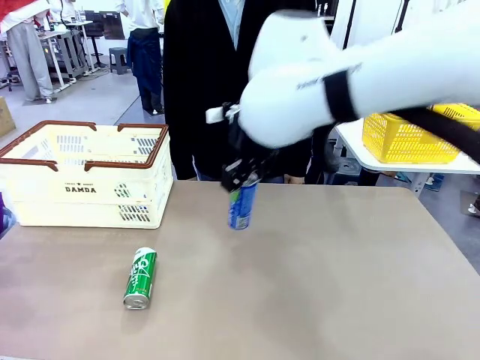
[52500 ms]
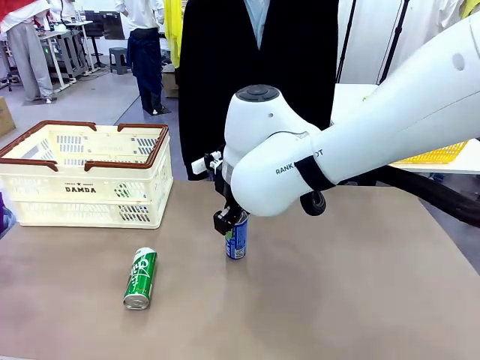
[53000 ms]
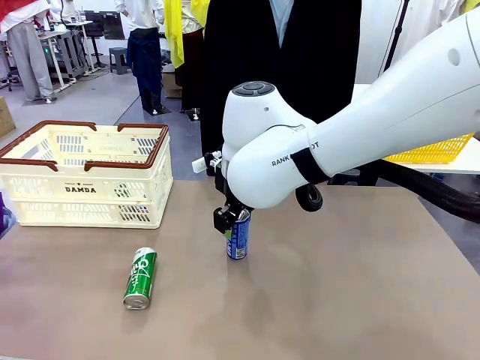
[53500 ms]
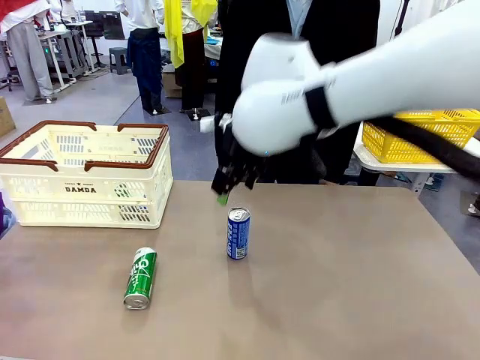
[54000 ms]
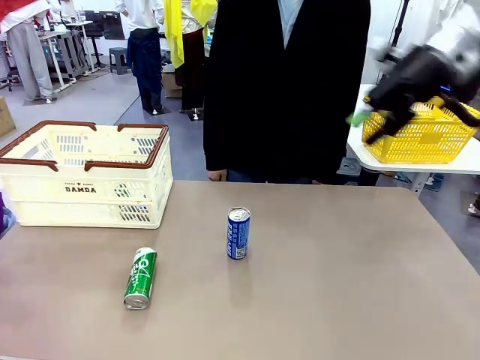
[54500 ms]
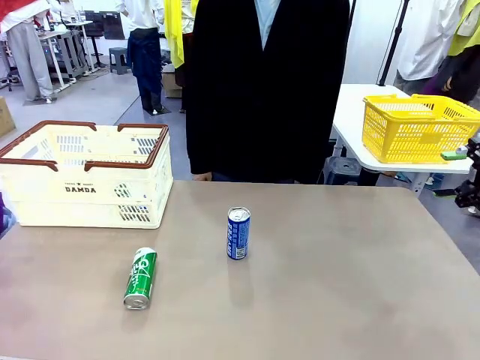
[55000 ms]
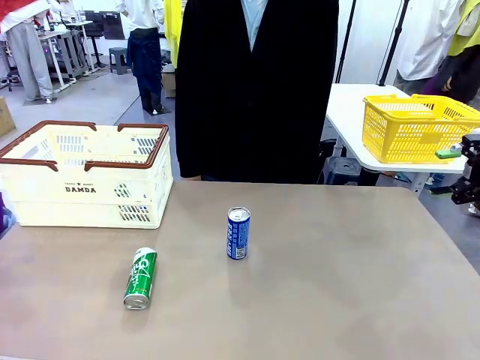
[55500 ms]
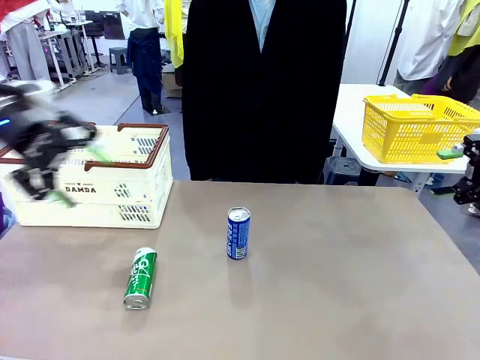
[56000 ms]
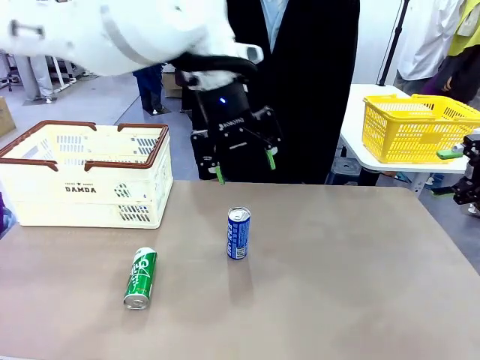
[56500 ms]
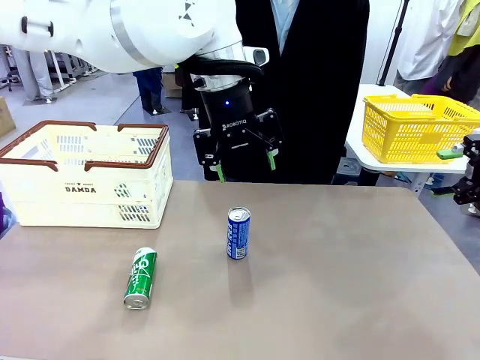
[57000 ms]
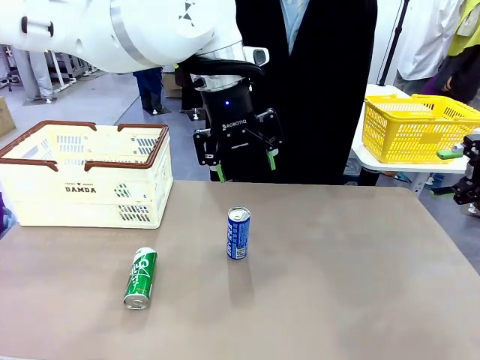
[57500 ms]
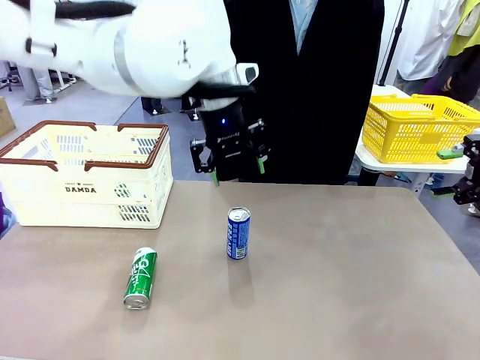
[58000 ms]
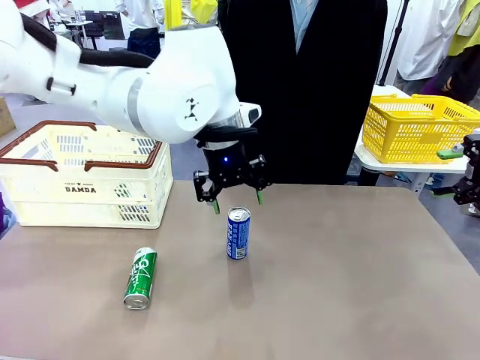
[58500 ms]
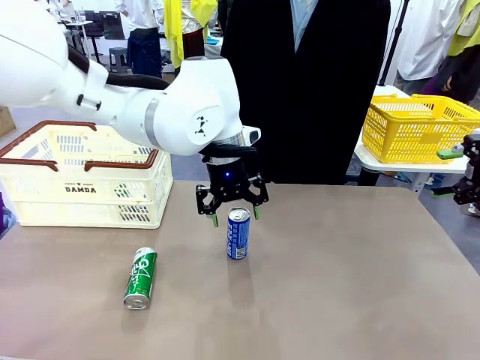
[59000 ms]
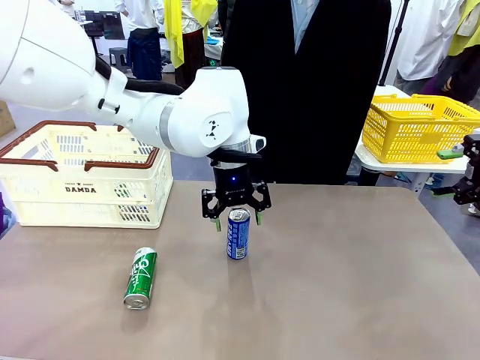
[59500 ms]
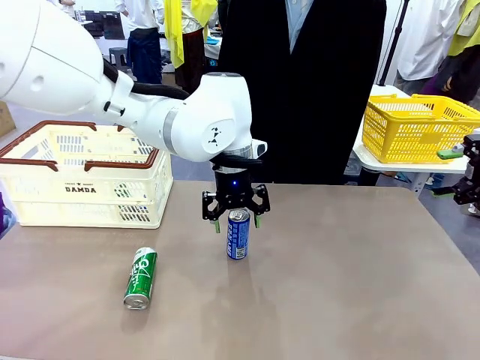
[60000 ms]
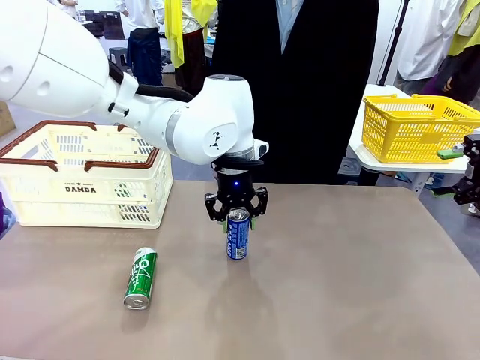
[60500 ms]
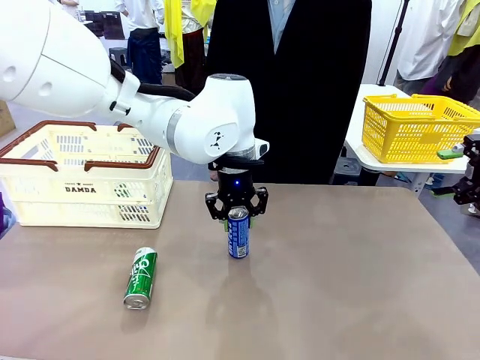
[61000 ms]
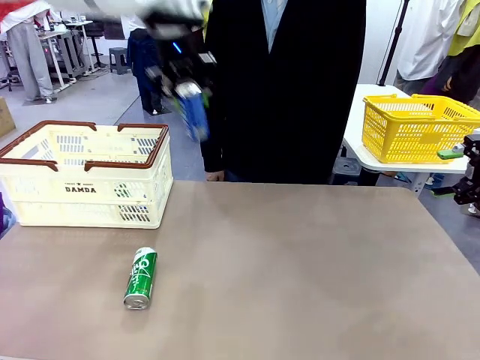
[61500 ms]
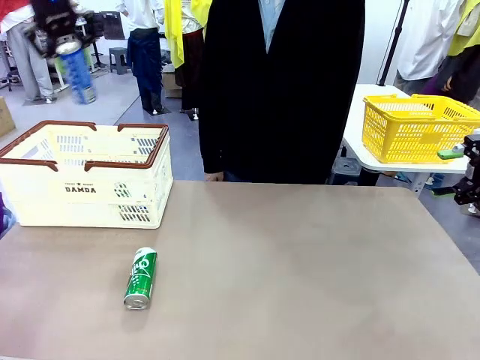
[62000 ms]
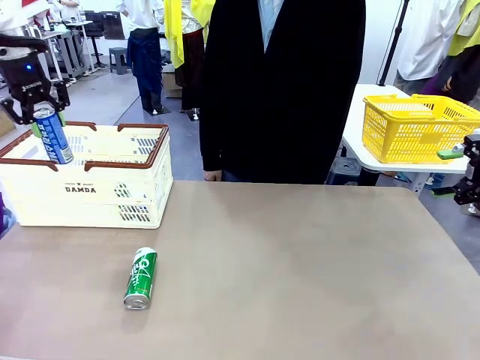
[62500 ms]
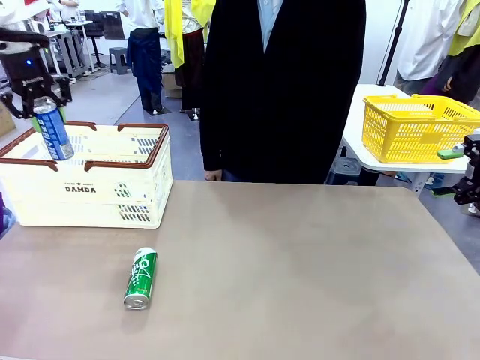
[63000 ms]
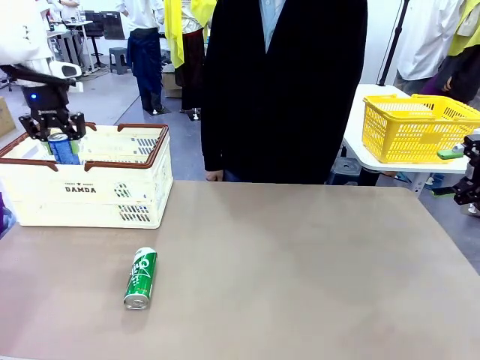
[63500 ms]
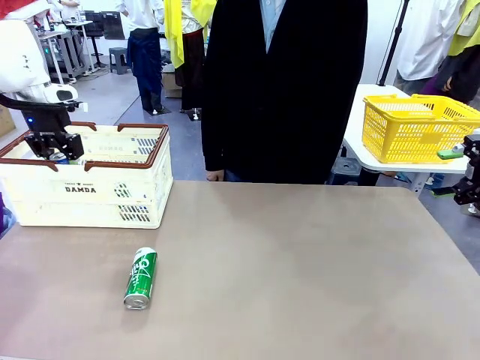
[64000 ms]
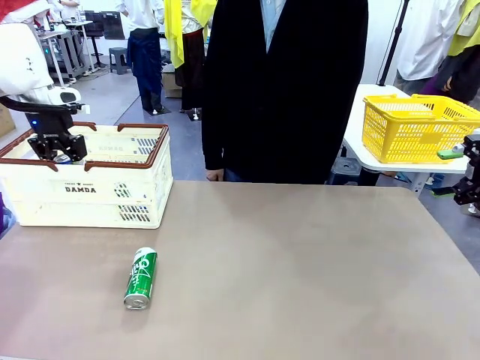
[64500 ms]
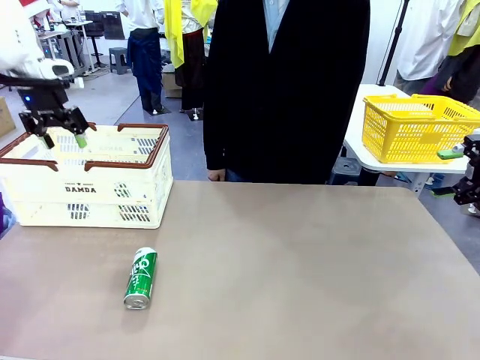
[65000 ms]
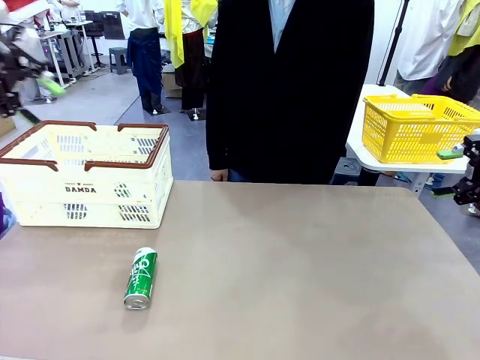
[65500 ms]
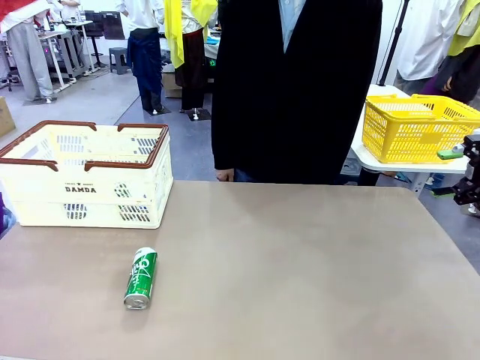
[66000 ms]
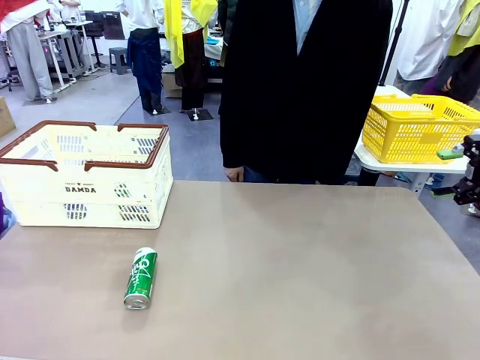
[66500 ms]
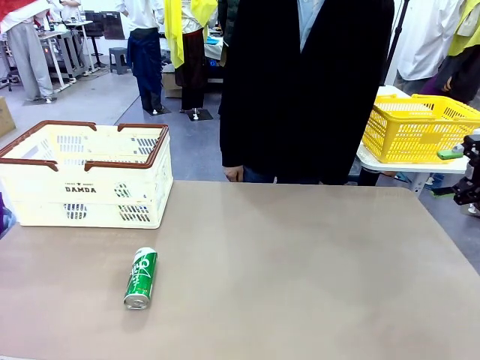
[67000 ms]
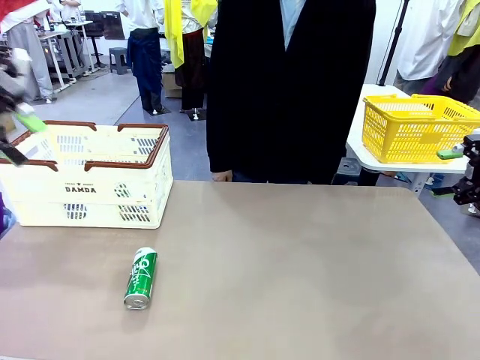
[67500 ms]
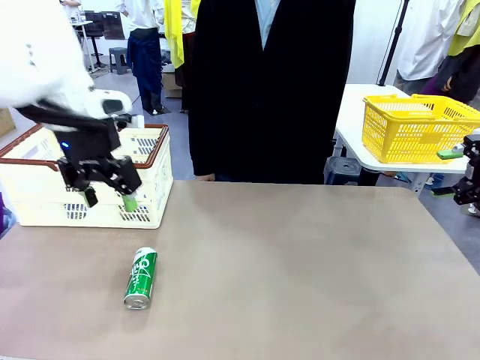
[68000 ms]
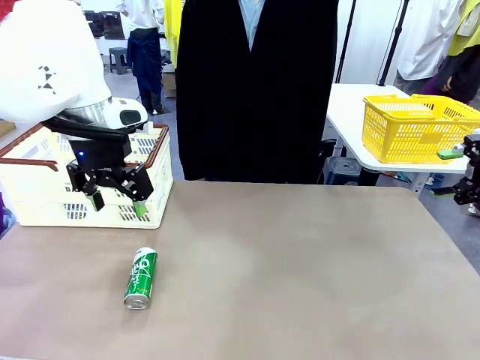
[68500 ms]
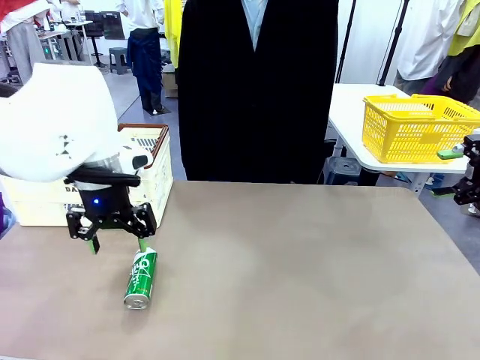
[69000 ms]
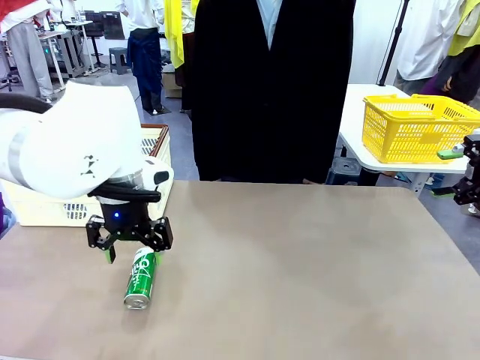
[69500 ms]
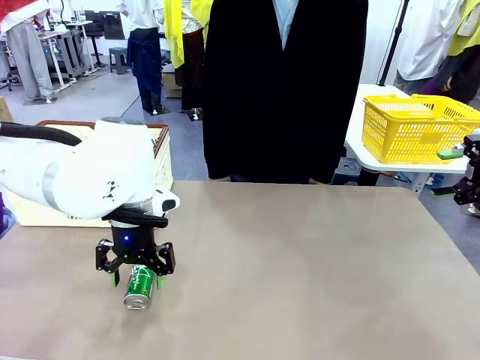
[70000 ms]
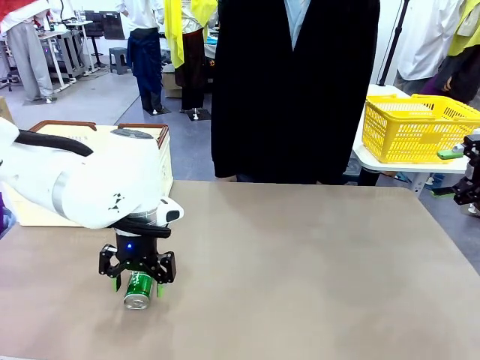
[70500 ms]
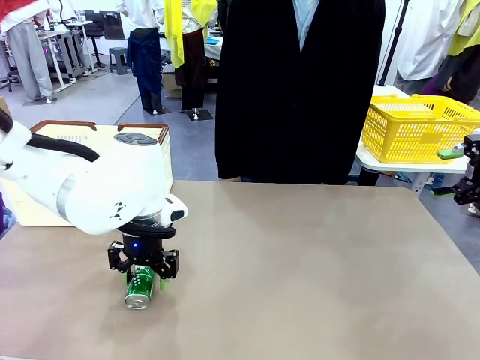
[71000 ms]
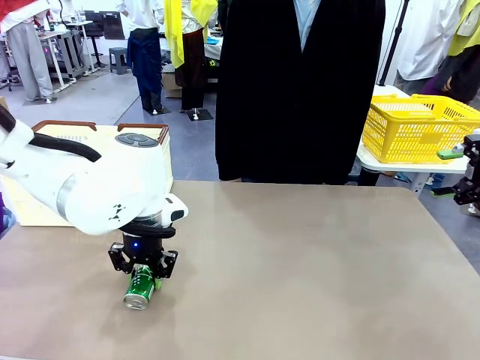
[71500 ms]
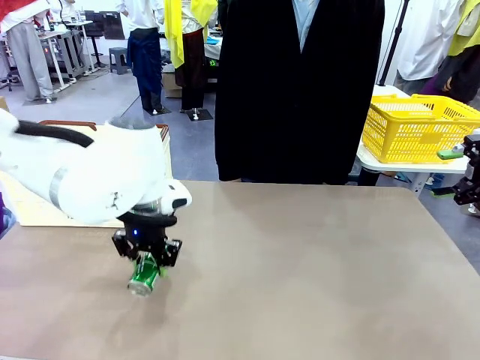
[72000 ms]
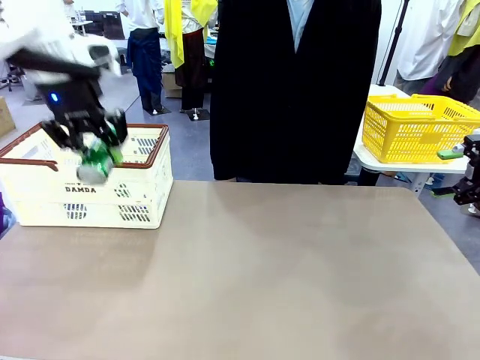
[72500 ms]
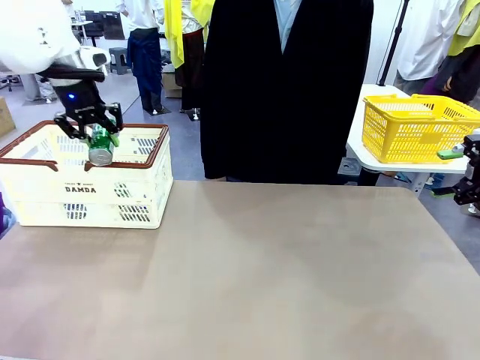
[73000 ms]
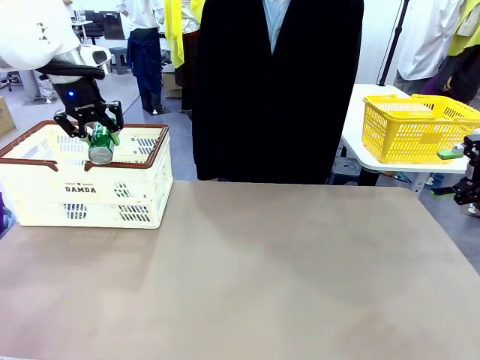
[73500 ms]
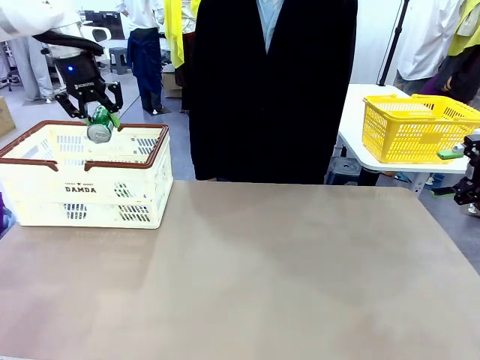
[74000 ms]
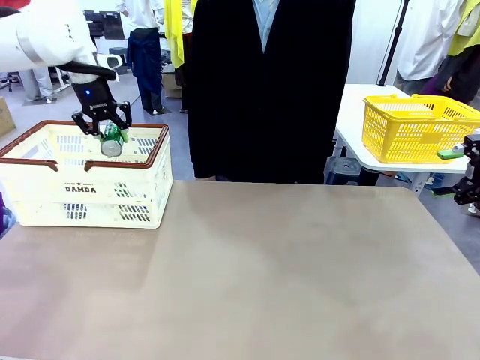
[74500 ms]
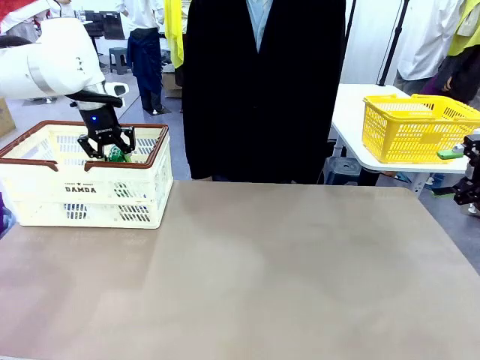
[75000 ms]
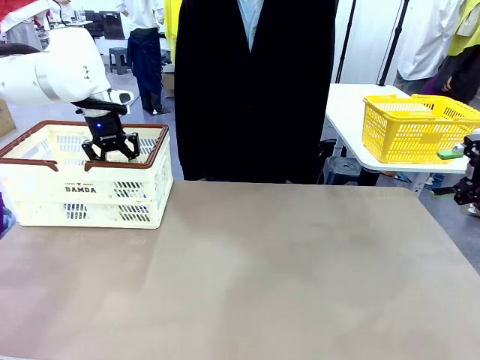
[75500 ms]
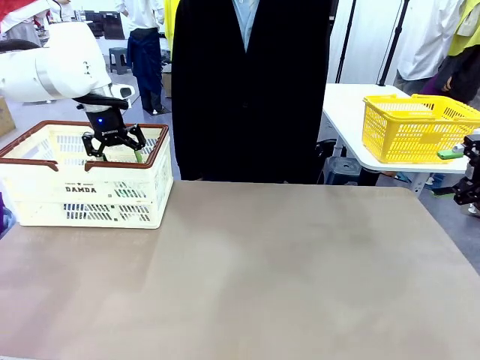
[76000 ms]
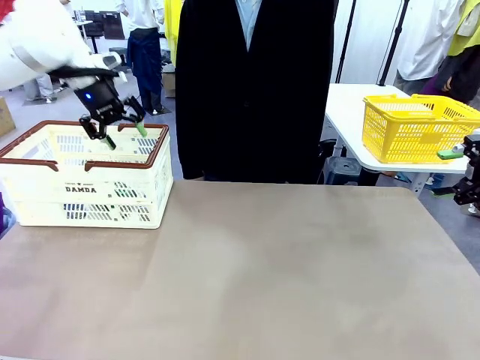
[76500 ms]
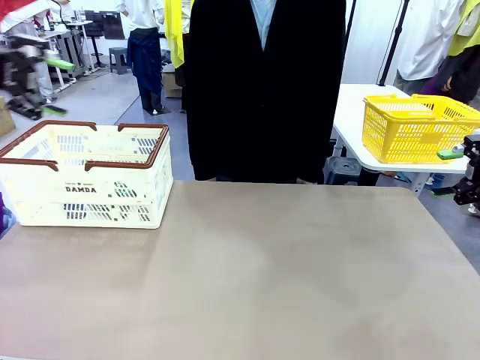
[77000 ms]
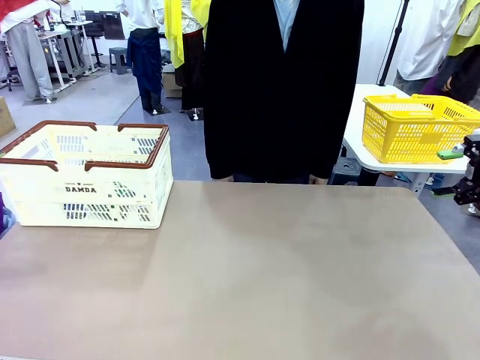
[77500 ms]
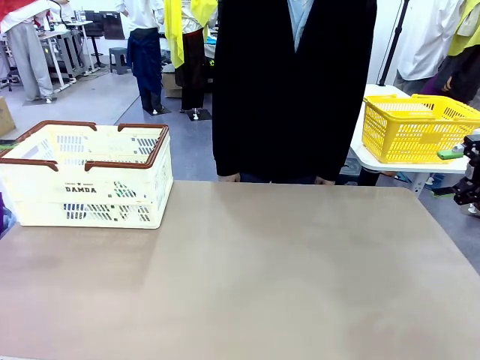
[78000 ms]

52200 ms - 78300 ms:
Task: Place the drinks into the Shopping basket.
Robot: Pick up one drink and place it into the Shopping basket.
